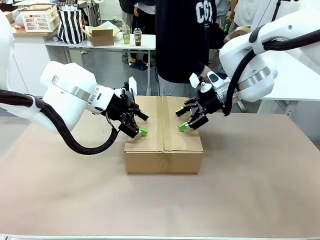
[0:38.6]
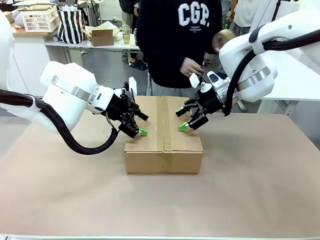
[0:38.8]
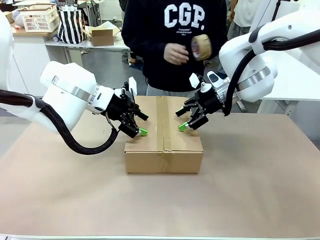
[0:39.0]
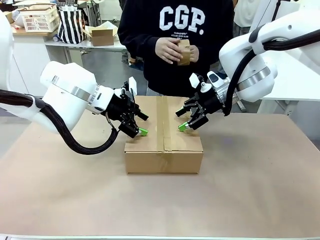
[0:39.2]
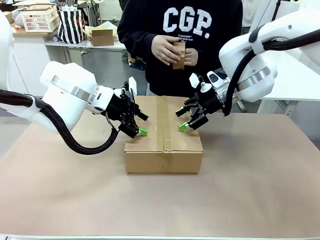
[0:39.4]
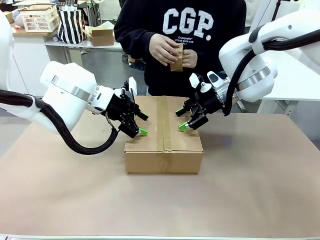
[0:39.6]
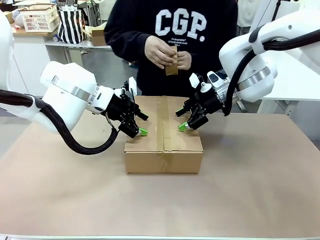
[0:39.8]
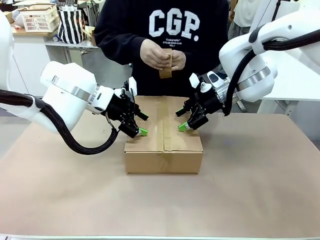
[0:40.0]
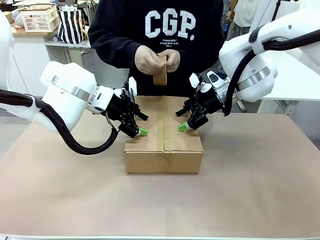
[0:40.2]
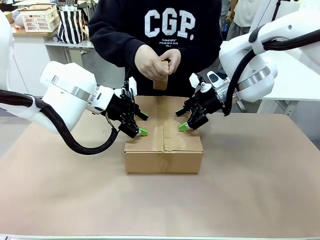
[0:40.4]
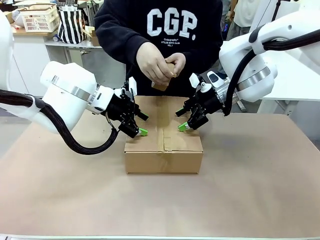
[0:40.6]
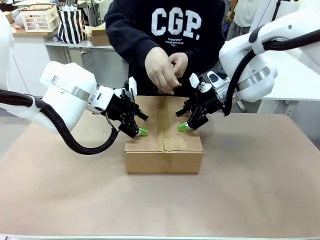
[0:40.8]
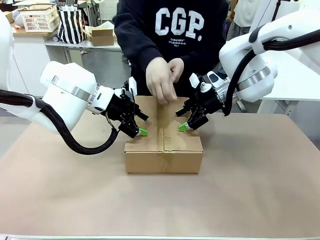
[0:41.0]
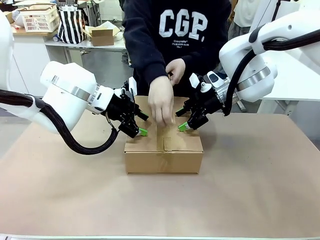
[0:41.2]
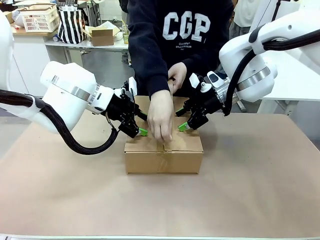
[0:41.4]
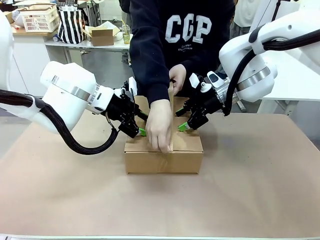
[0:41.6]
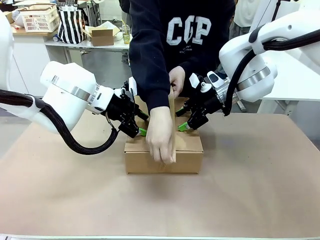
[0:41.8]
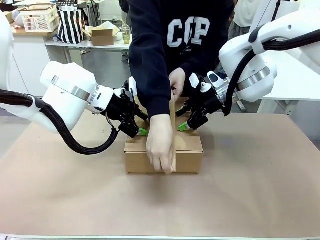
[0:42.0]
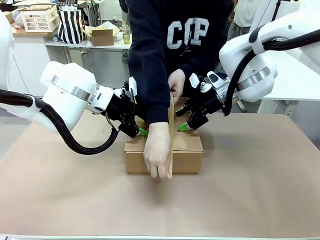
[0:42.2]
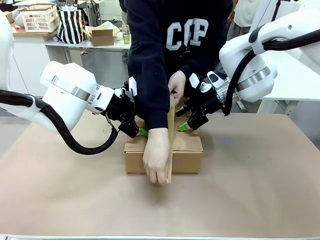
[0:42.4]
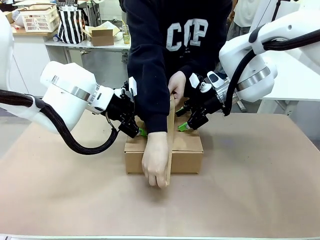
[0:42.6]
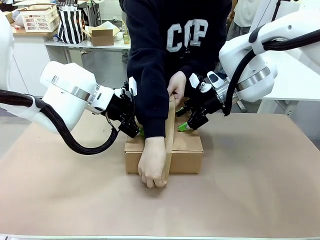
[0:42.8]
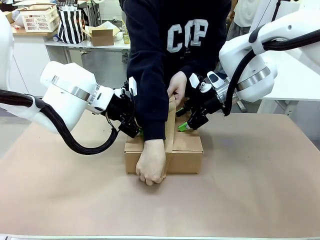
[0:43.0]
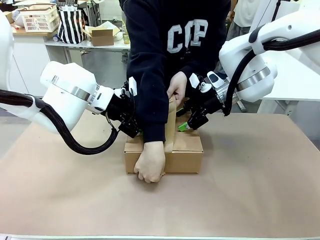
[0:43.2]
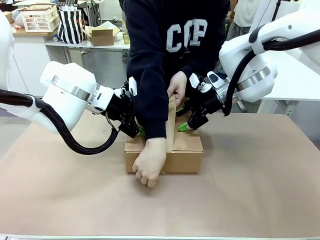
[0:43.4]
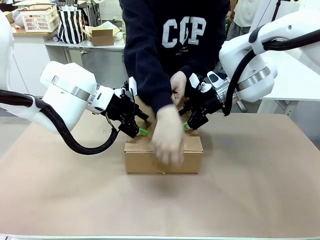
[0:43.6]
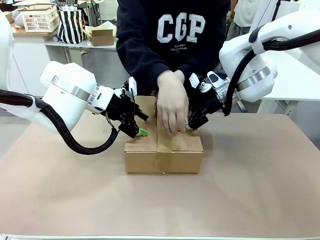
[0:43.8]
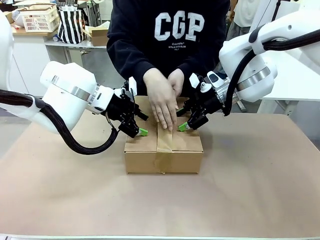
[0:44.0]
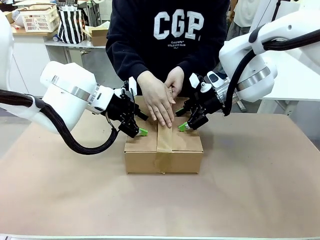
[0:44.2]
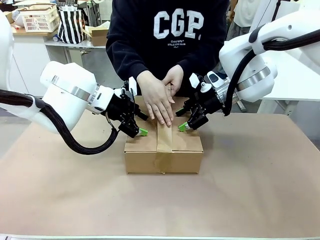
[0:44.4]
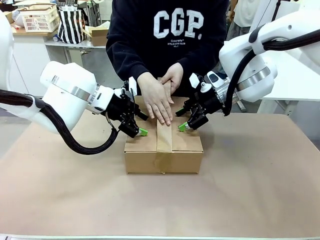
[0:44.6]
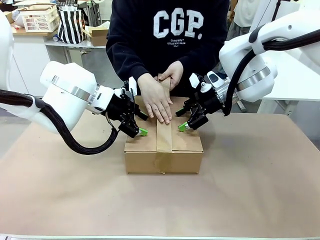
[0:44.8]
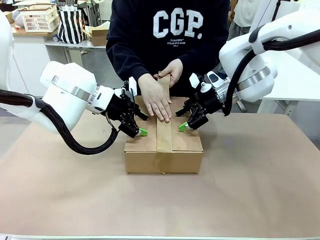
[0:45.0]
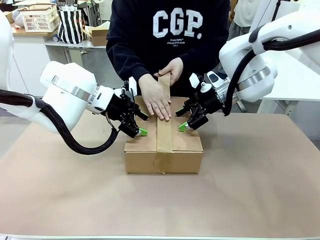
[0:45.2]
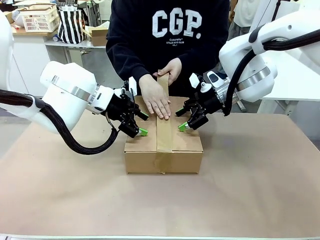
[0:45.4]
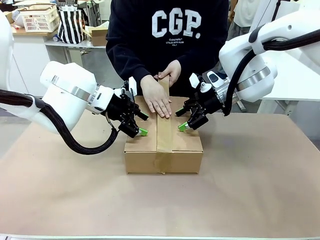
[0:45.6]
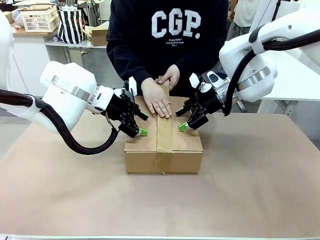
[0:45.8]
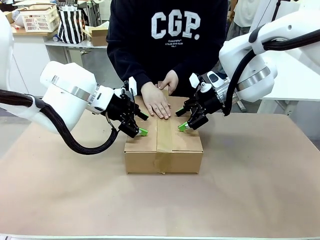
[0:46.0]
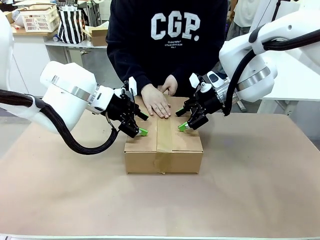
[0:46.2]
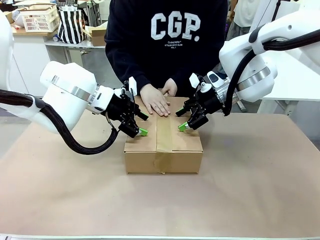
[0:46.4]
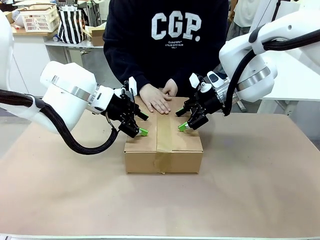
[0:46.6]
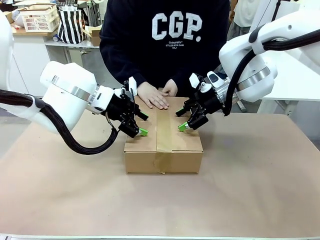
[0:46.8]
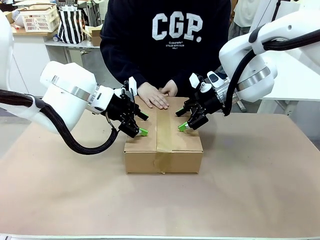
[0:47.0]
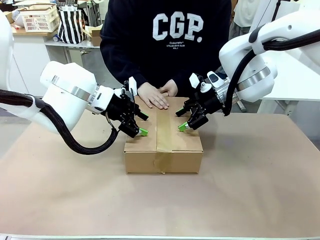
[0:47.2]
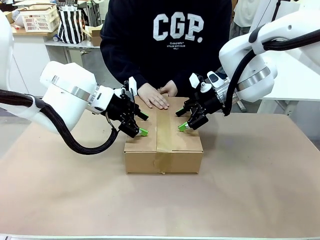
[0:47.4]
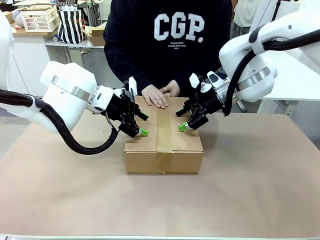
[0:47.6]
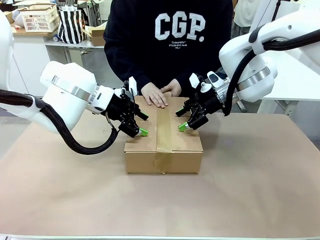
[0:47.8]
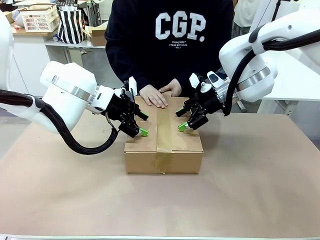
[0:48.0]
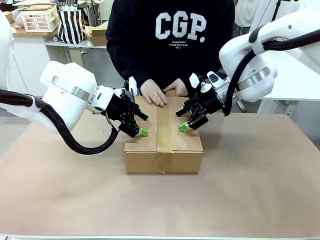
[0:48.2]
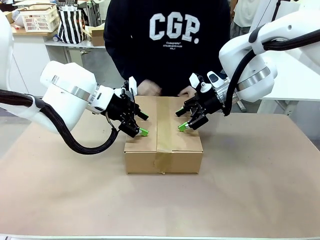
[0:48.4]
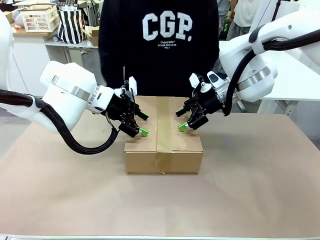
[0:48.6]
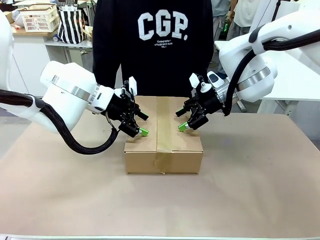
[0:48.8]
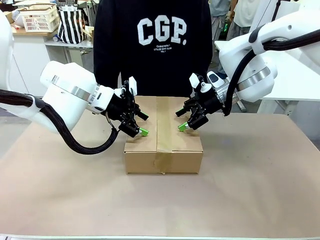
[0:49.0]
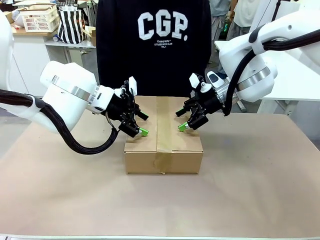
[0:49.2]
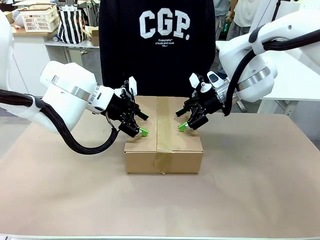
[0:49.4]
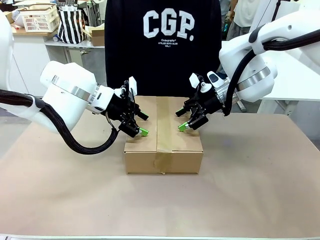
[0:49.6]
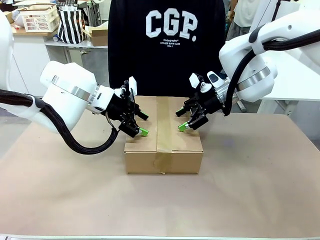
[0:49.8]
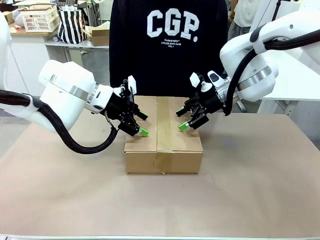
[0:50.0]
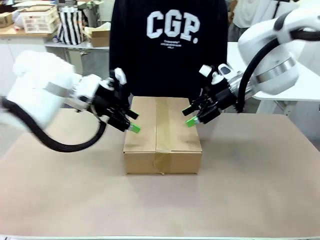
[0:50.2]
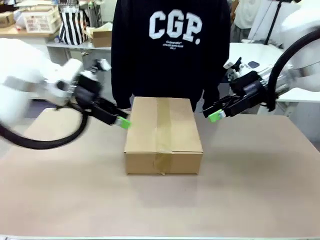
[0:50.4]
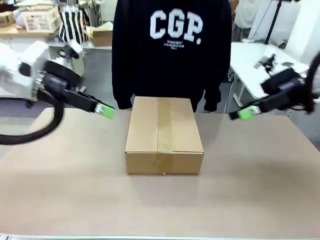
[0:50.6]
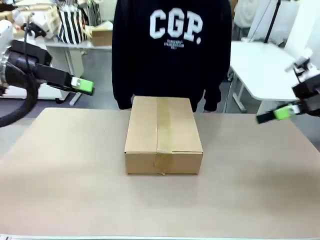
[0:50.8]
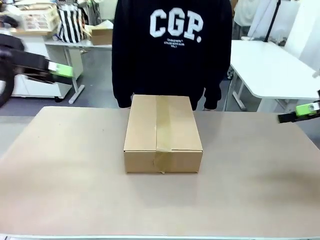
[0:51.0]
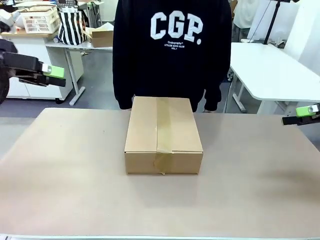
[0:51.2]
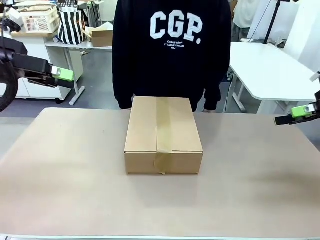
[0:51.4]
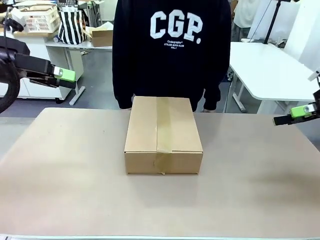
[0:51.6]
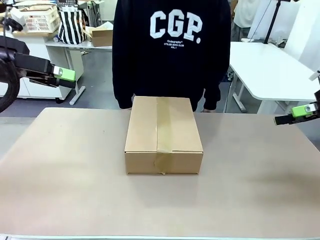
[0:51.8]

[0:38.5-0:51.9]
Task: Pack the gift set into the box.
Robot: Press and hold the closed box until the human finishes sealing it.
Person: The human picks up the paper tape from the human table and packs the box.

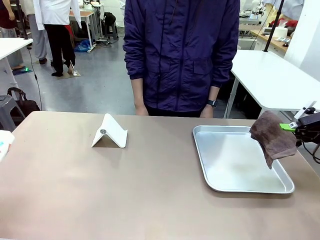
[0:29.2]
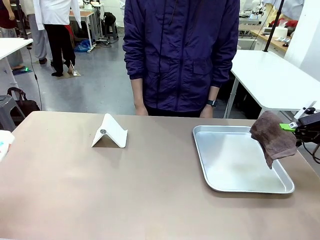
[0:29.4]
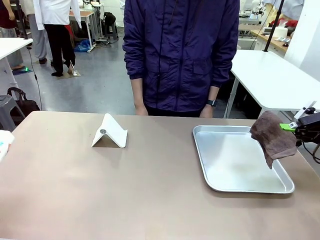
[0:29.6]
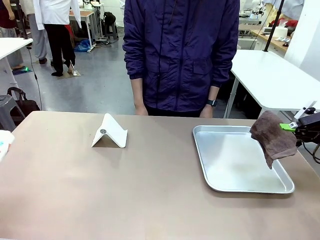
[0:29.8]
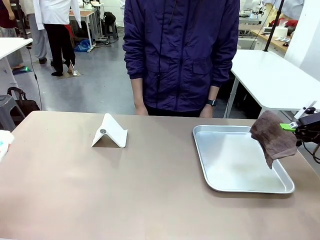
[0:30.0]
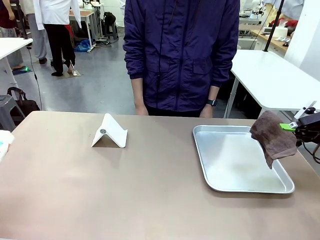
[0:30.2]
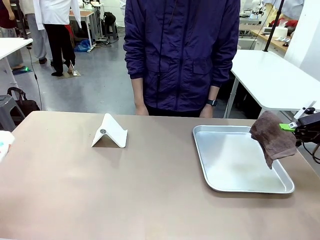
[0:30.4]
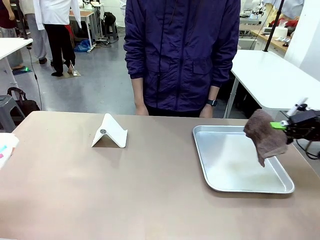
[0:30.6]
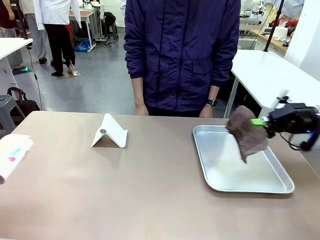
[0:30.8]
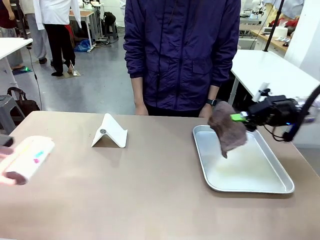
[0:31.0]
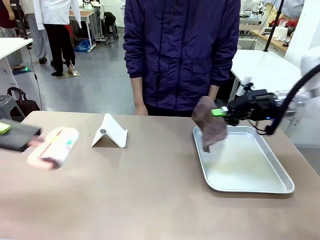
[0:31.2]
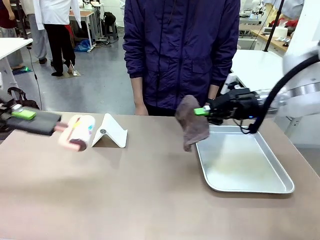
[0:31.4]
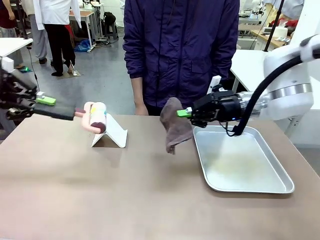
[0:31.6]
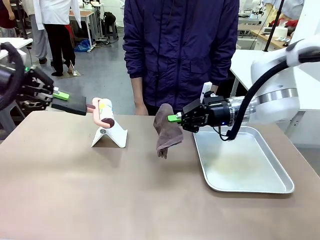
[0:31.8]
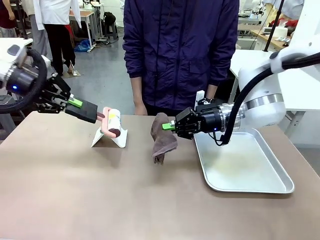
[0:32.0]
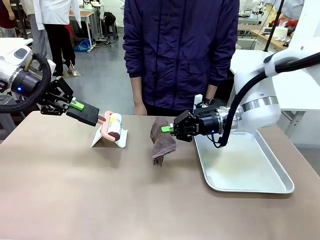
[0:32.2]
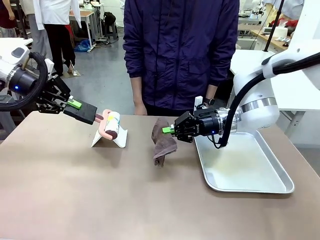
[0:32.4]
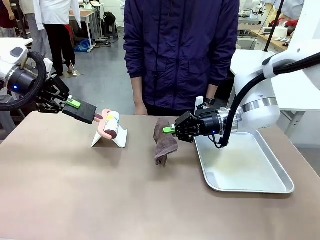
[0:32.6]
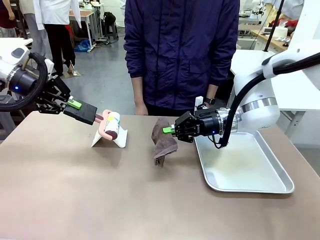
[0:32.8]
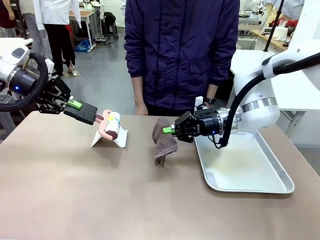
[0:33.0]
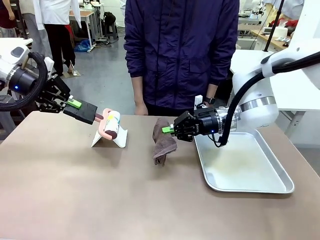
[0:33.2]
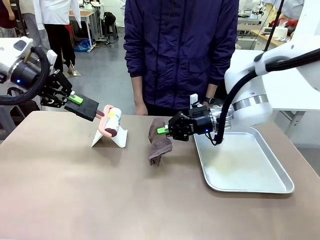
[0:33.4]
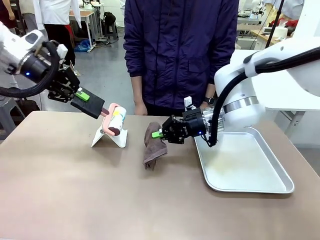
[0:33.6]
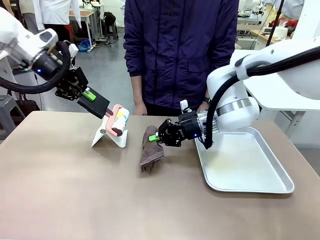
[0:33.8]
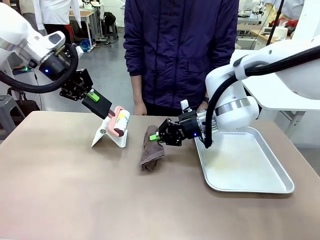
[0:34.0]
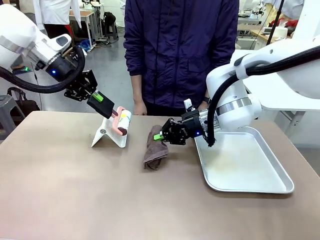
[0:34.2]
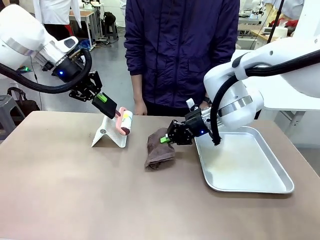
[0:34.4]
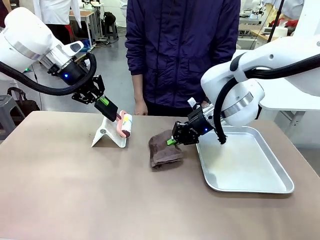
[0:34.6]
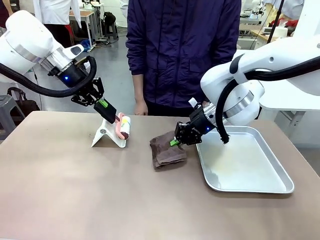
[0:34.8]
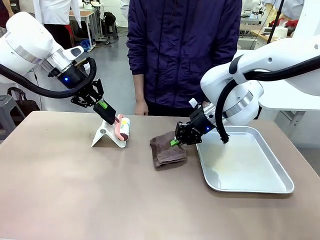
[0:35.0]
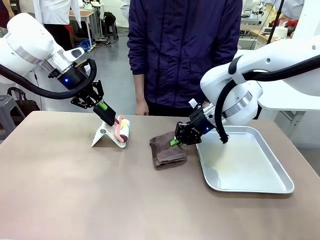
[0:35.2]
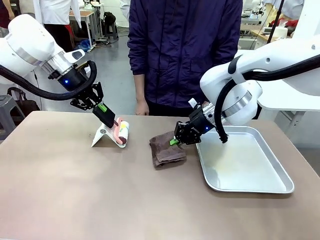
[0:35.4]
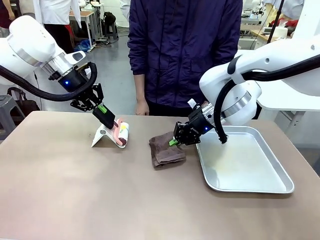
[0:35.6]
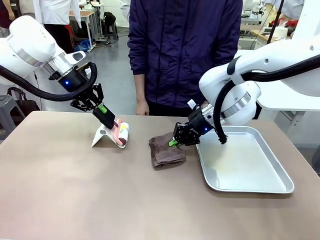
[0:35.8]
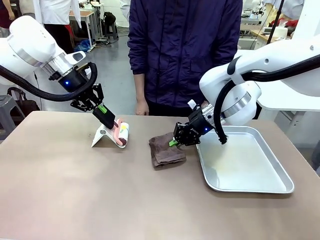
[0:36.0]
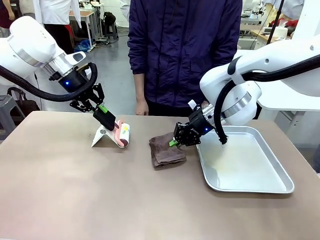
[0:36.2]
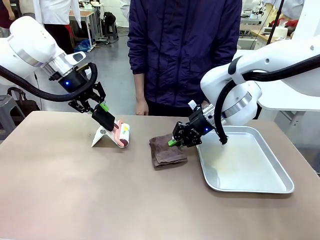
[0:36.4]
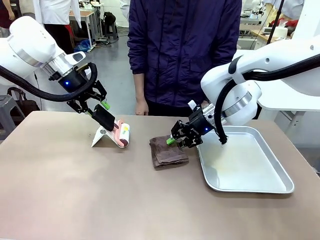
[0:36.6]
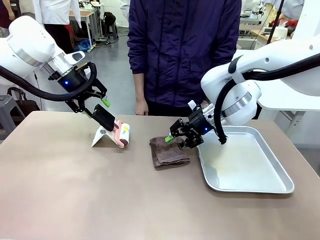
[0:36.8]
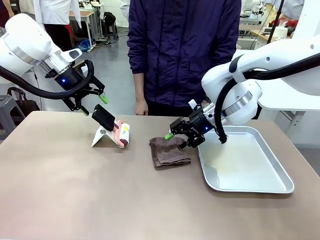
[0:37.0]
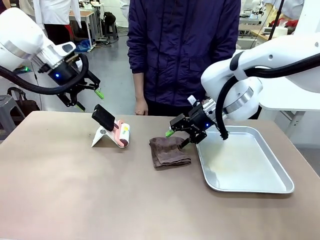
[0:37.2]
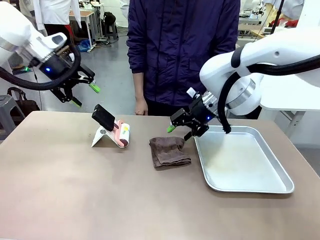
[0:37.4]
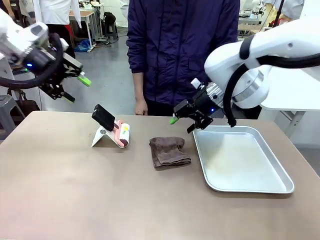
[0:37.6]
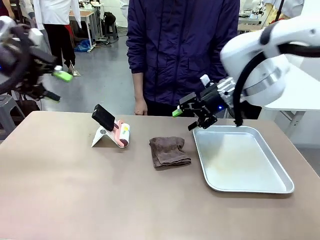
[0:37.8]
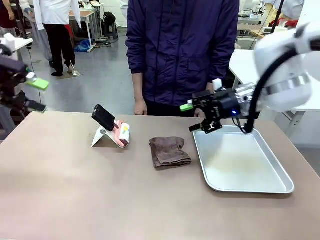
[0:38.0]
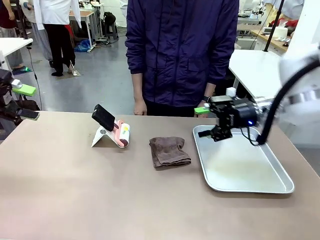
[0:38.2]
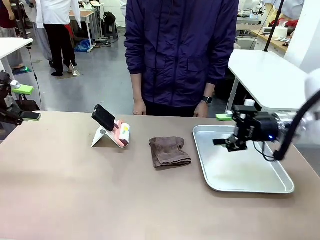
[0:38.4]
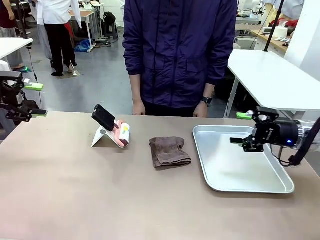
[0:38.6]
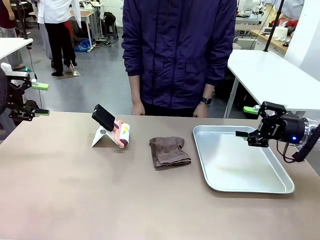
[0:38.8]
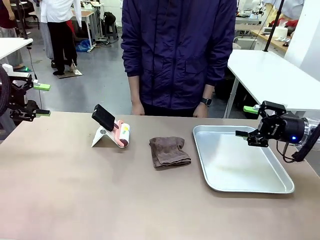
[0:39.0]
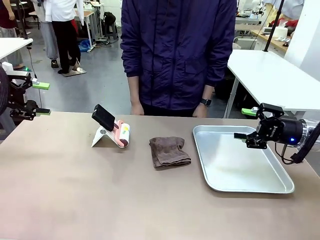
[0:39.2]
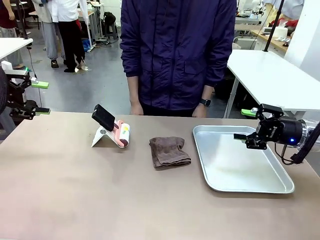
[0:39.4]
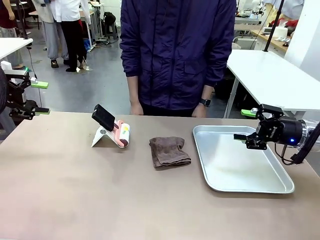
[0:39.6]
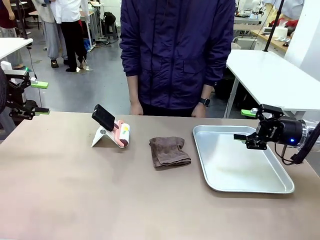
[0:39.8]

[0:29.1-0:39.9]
Task: Clean the surface of the table.
Robot: Return the Lint Roller and towel to their original positions.
